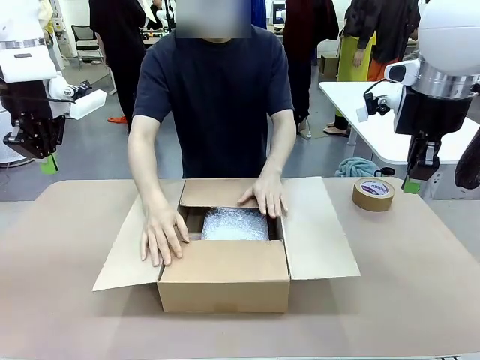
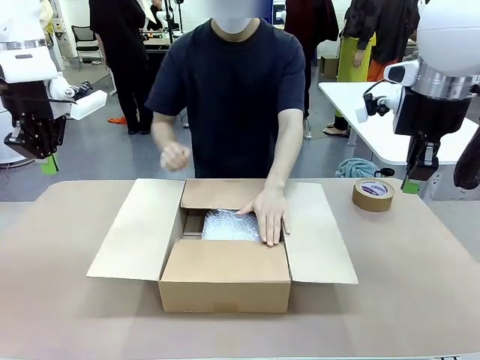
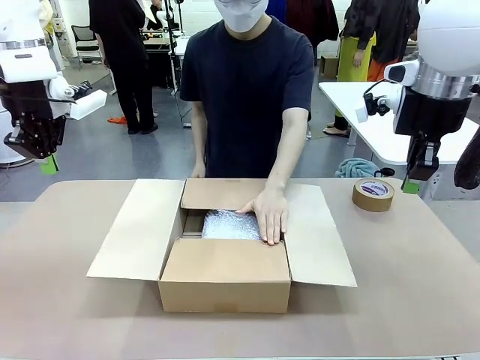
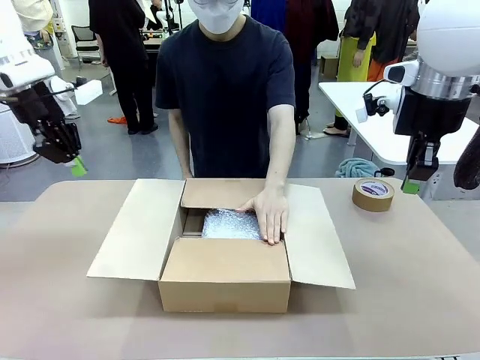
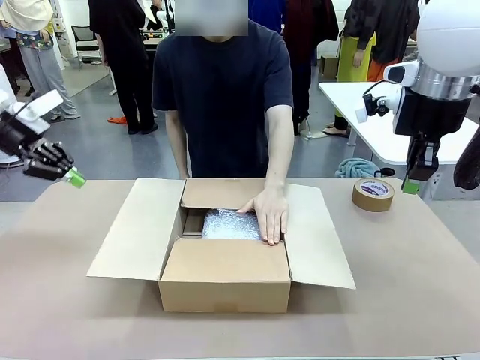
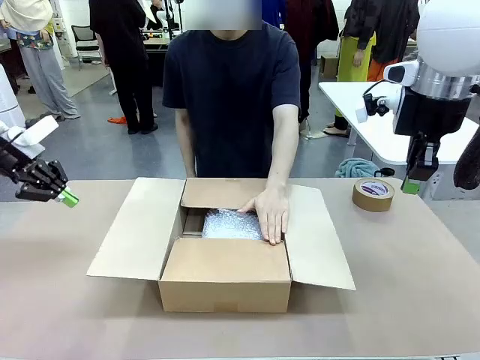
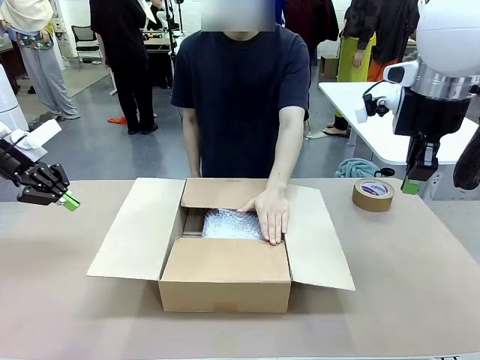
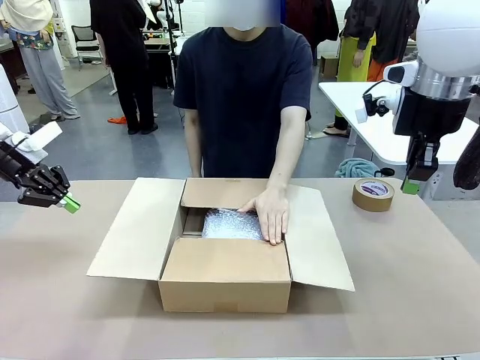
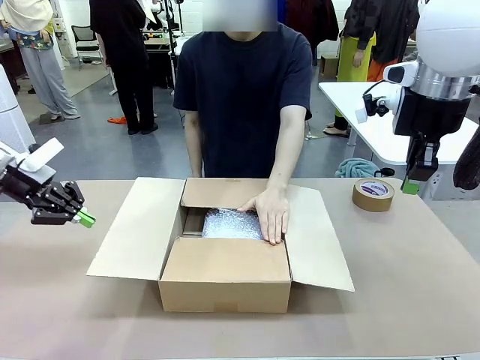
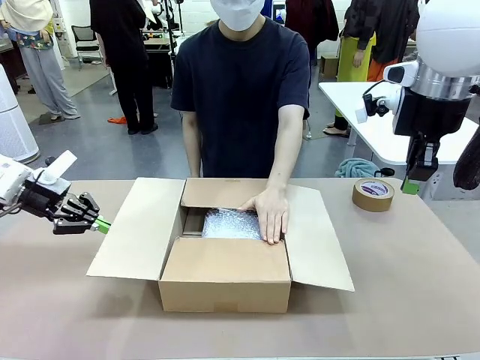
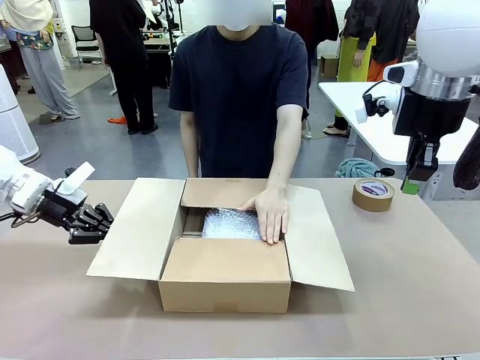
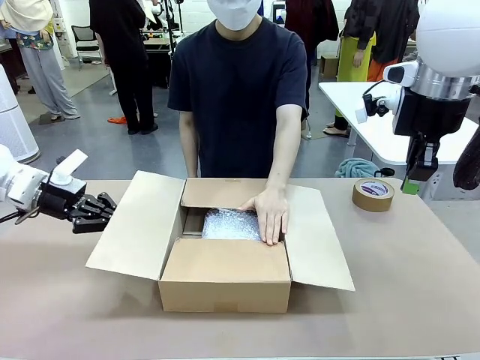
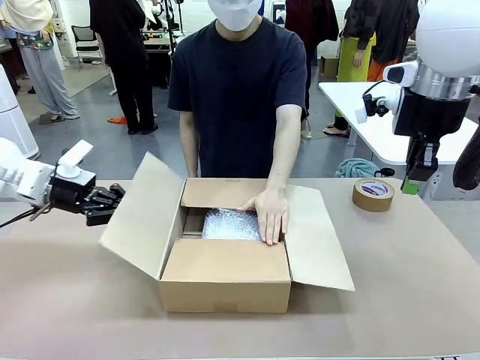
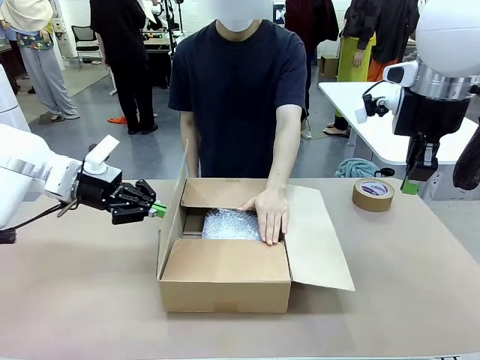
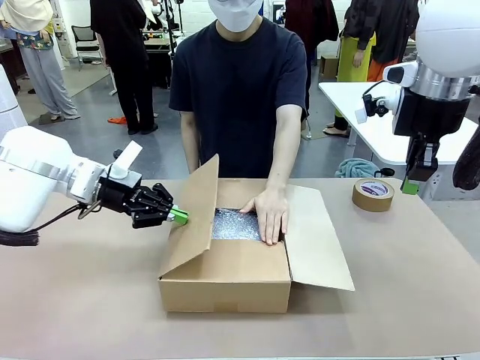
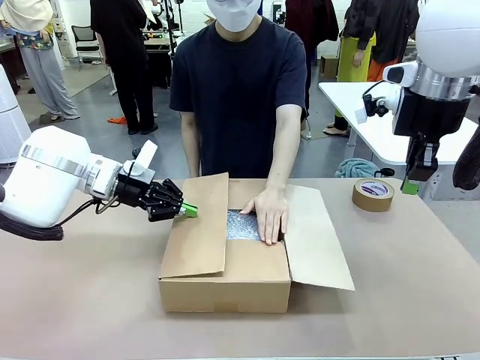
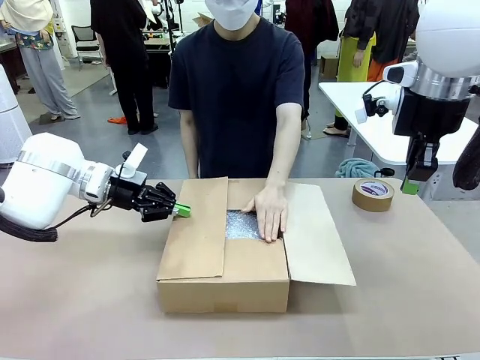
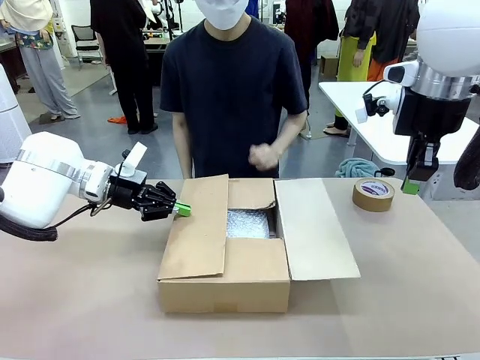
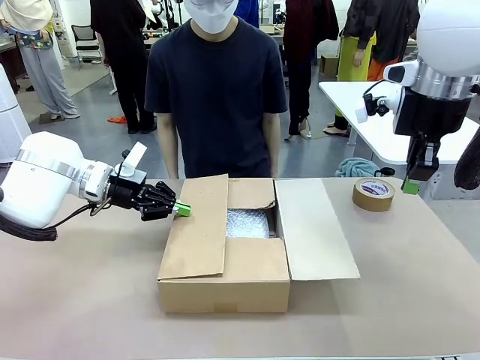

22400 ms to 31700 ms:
Task: Wrap the clocks to prevent damage.
Robot: Push the right (or left) flap of the Package Box to close it.
Person: Once the robot closes the right flap of the Package Box , release your left hand from the box.

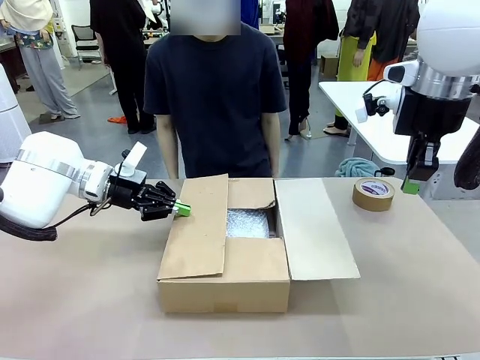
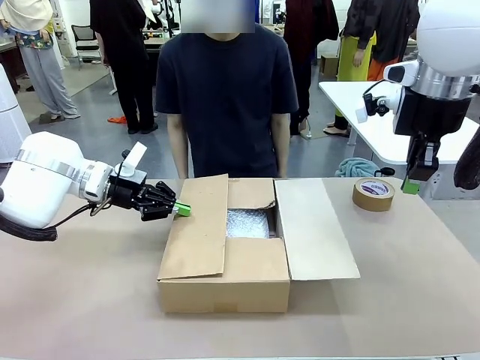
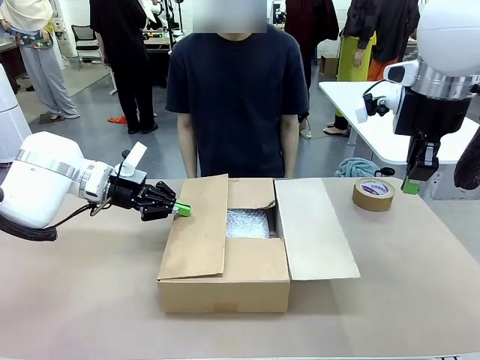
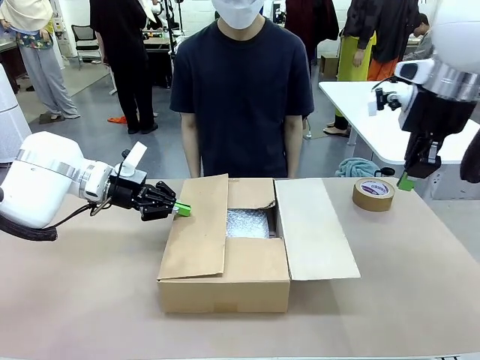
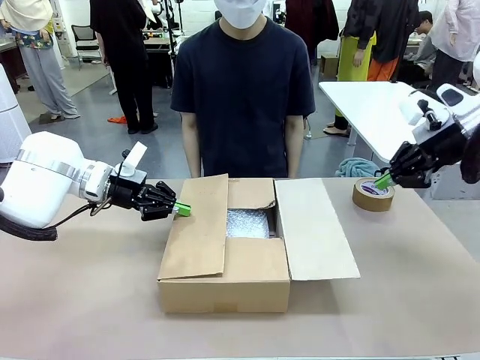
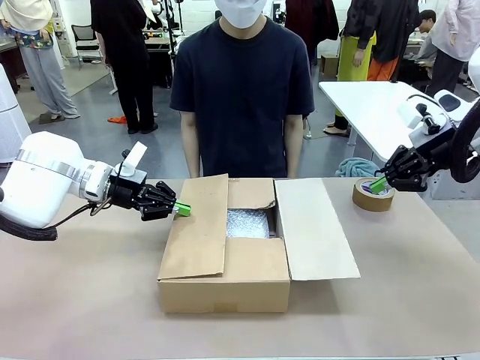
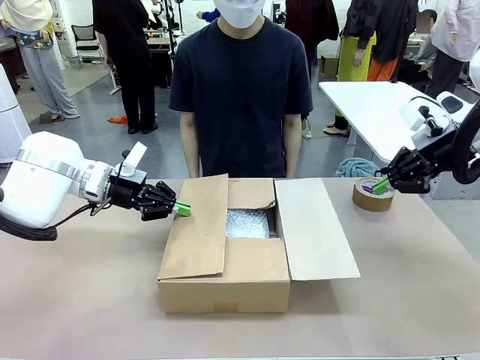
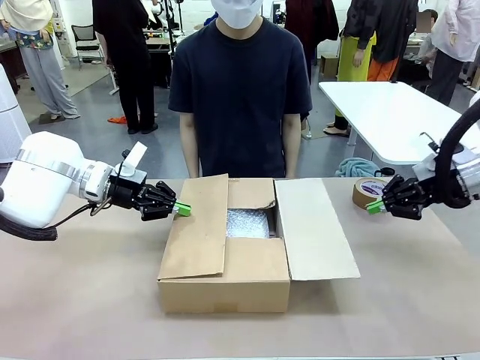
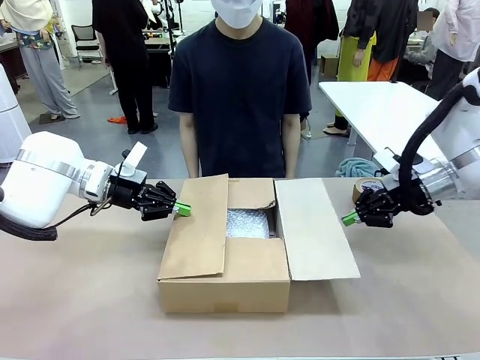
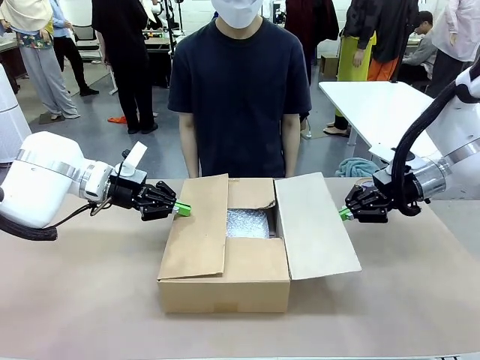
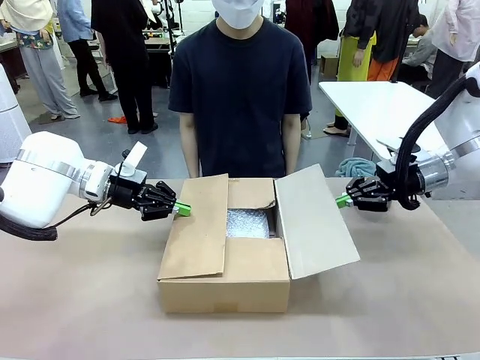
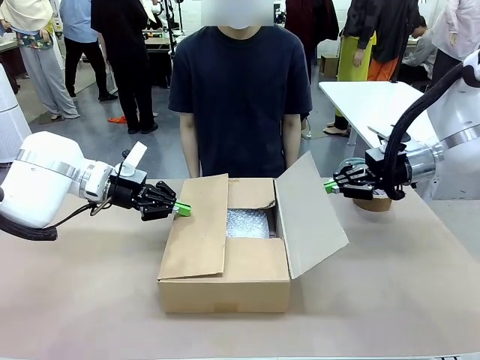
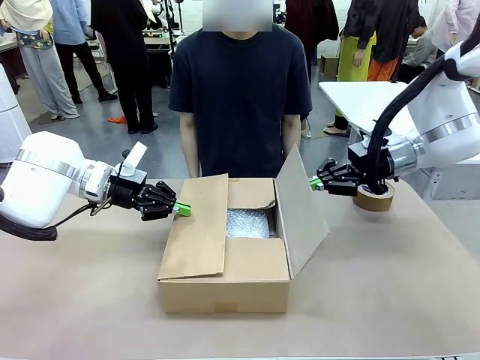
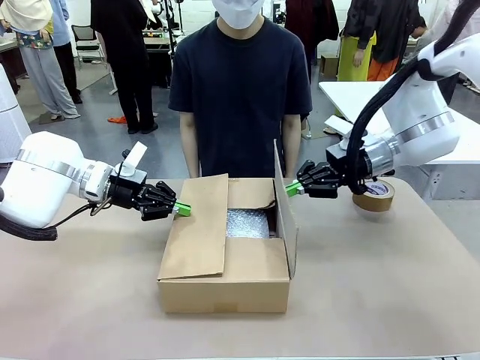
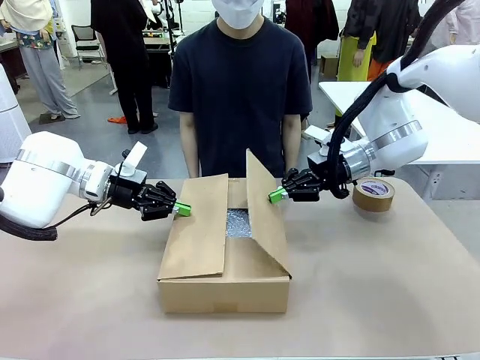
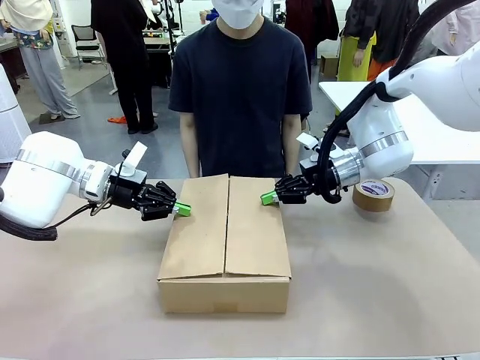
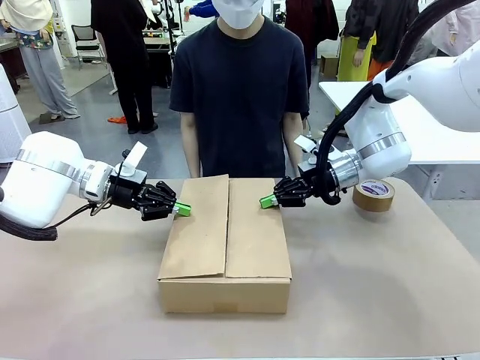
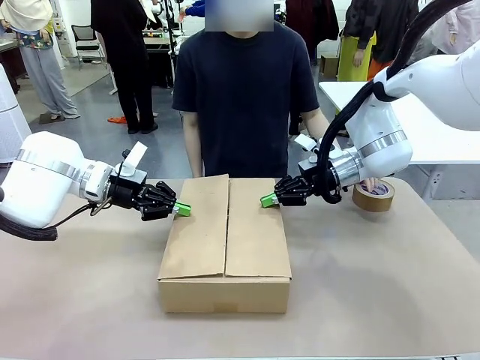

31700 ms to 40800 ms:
Robot: Push the left (or right) flap of the Package Box to close it.

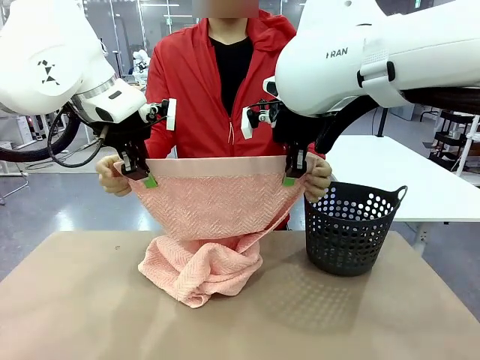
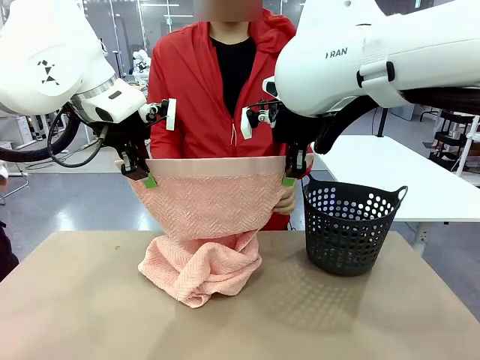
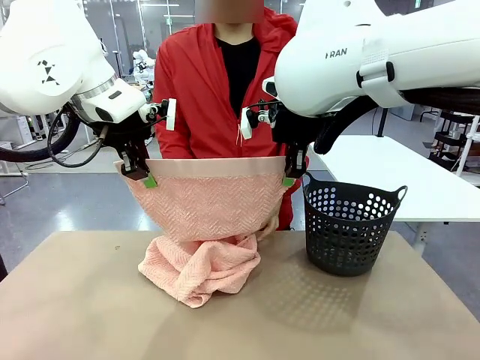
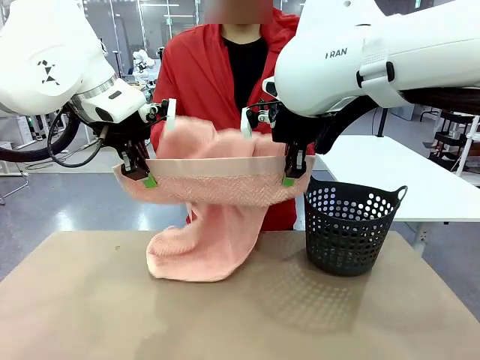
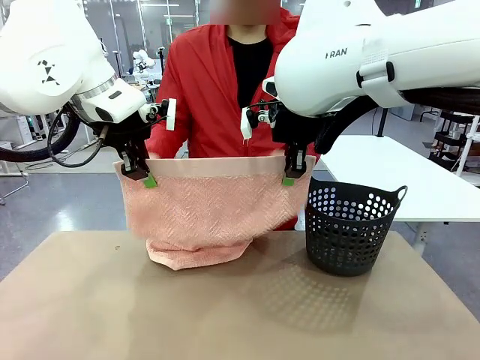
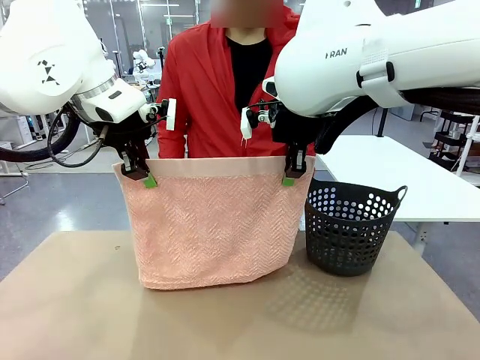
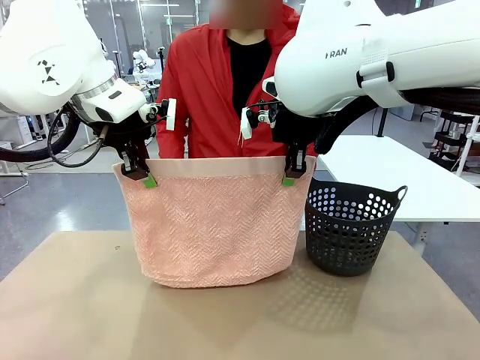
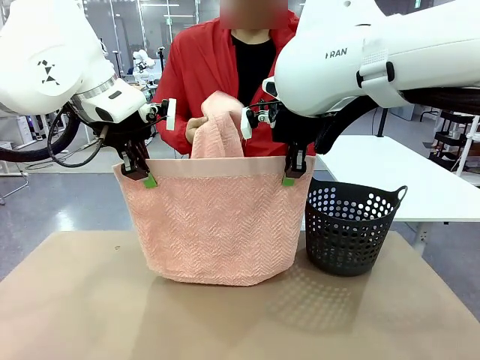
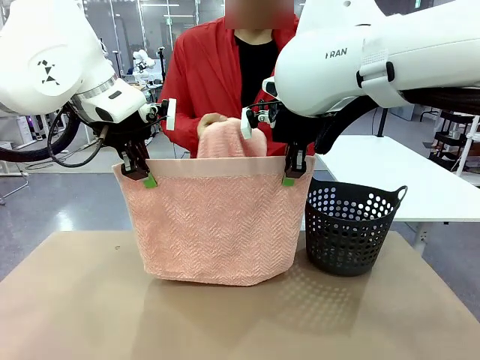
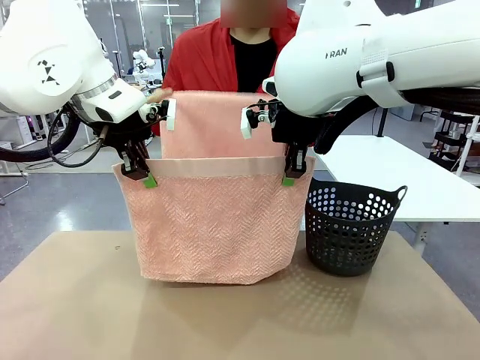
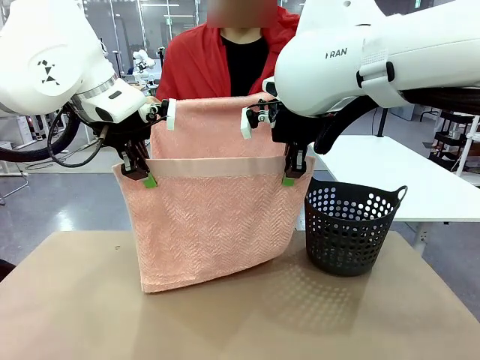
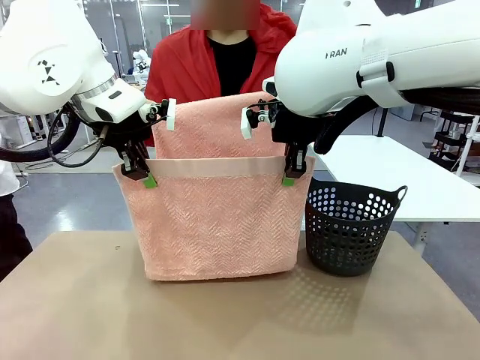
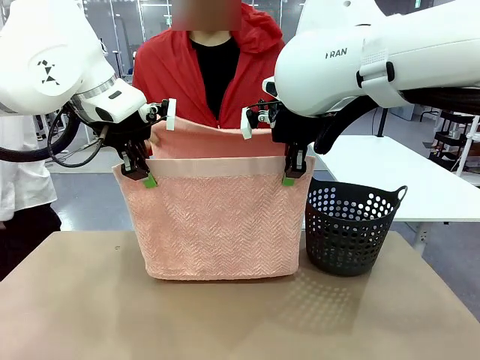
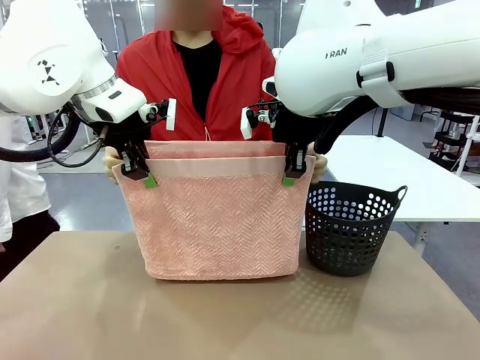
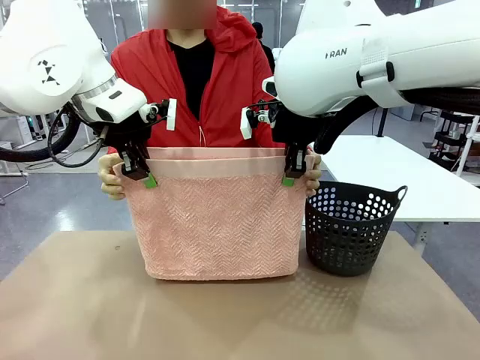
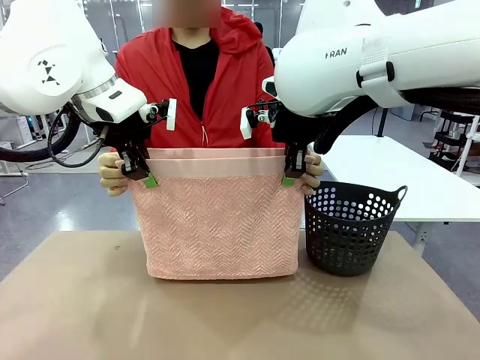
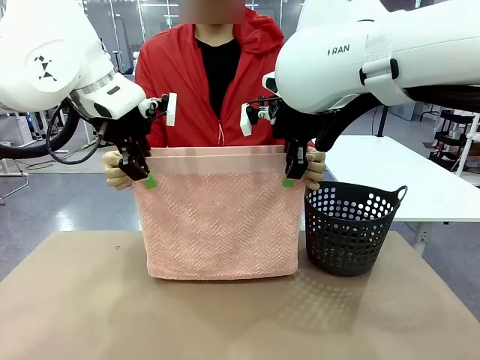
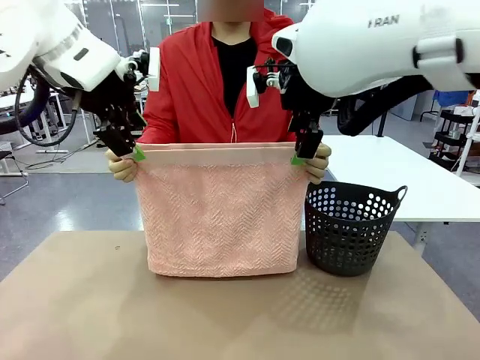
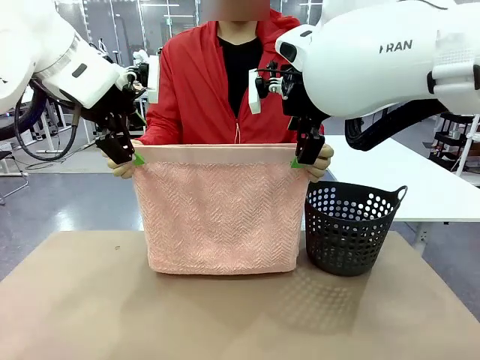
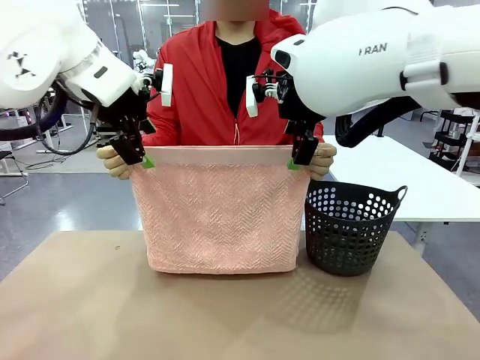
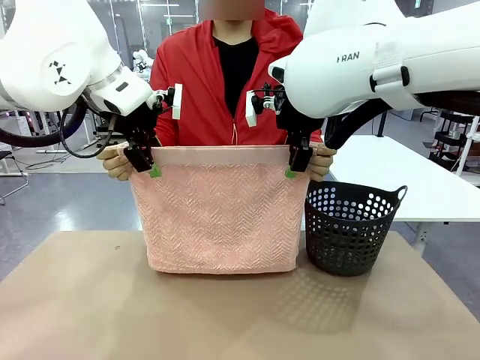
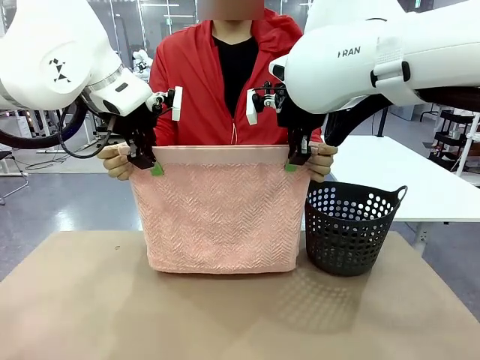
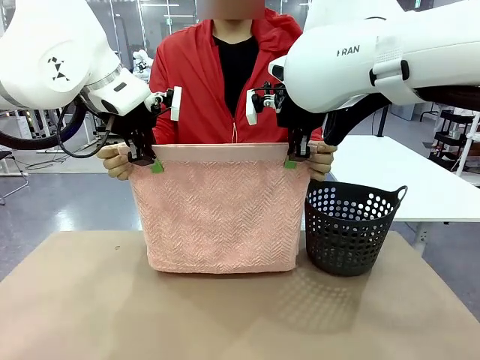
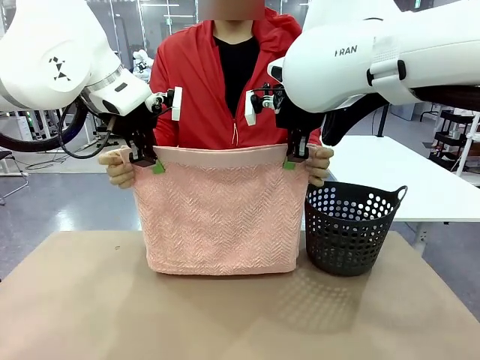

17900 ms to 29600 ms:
Task: Fold the towel.
Robot: Release the end of the 100 cm Hotel Towel you were holding and grab the top end of the folded side.
Person: Using the point held by the robot as a reference, grasp the opposite end, fold the towel in half, and then hold both ends of the folded towel.
